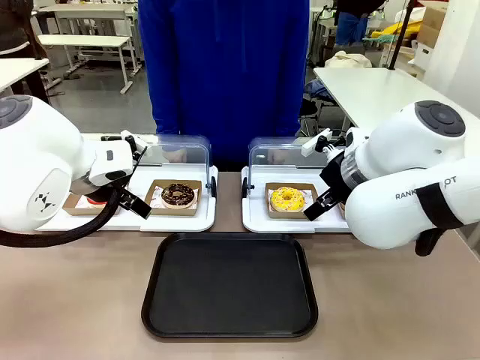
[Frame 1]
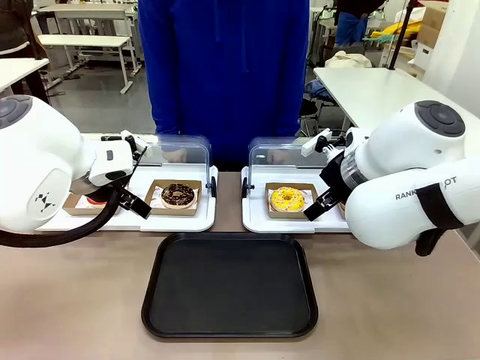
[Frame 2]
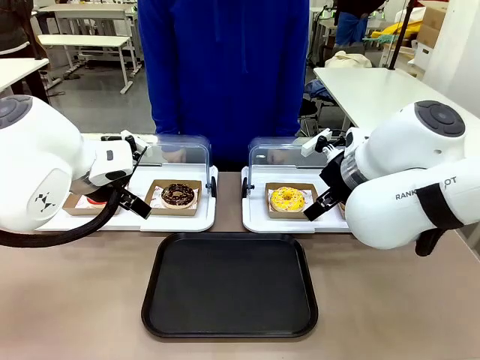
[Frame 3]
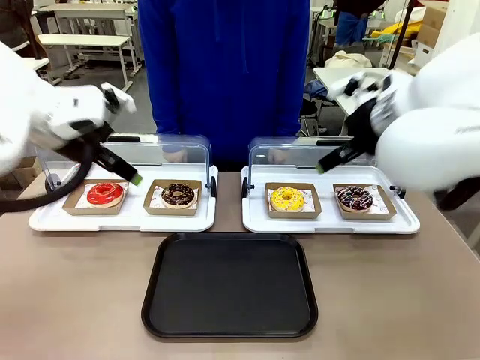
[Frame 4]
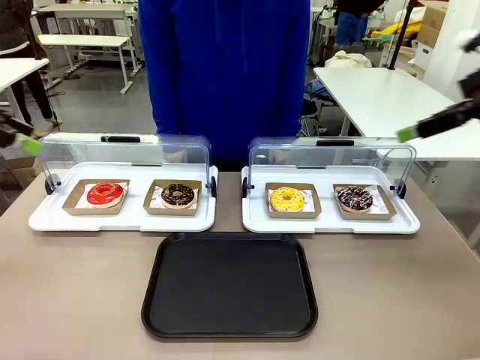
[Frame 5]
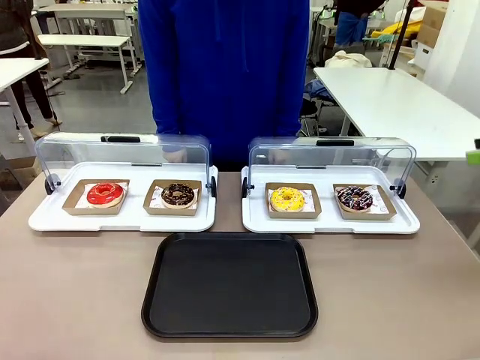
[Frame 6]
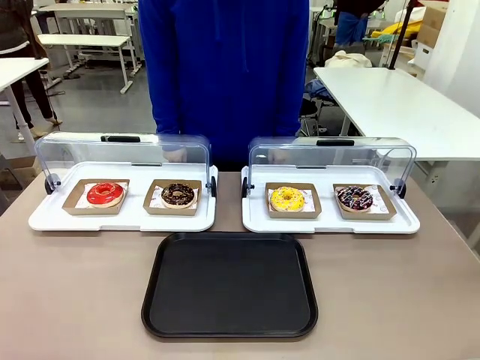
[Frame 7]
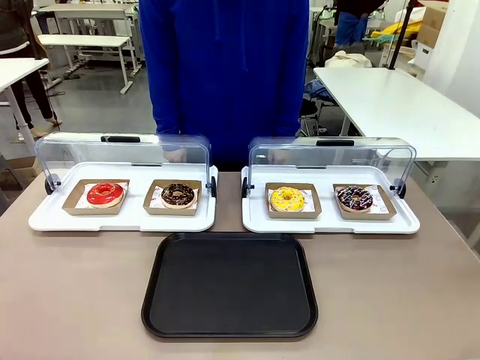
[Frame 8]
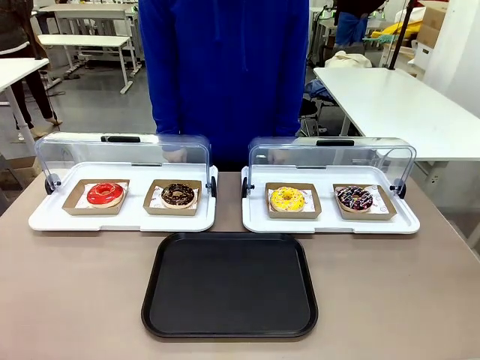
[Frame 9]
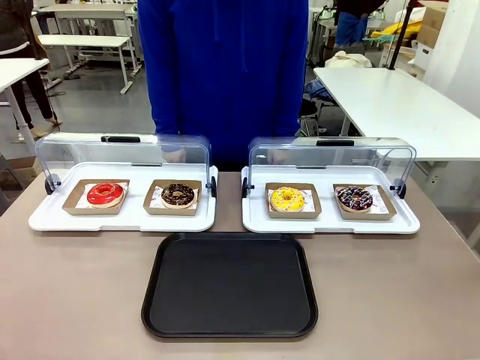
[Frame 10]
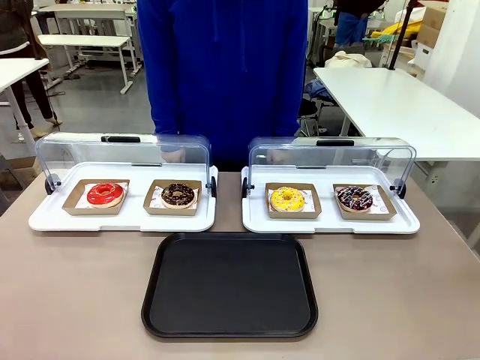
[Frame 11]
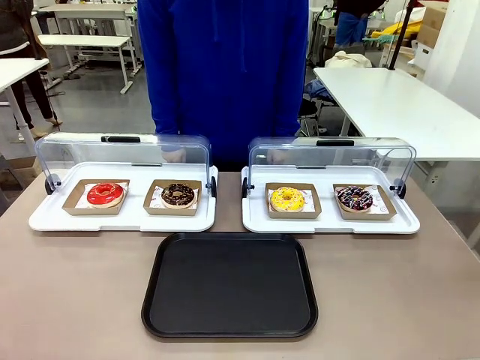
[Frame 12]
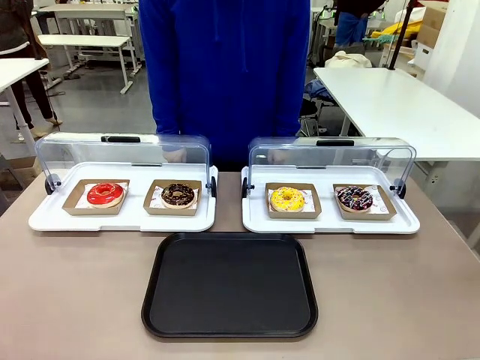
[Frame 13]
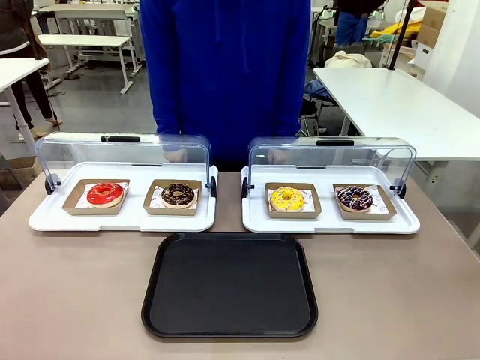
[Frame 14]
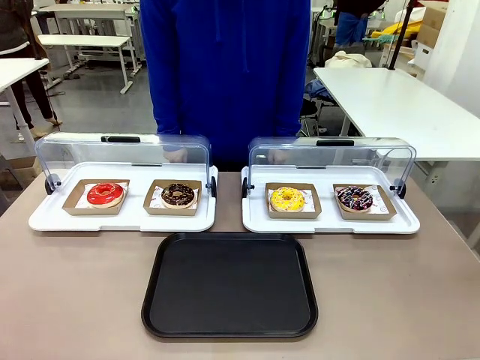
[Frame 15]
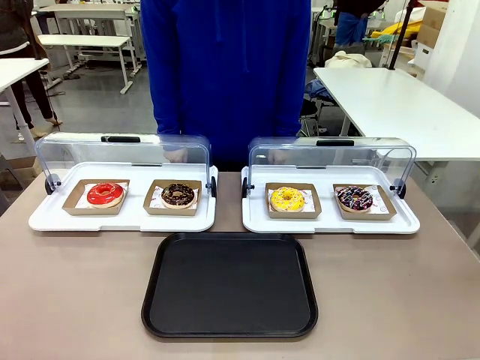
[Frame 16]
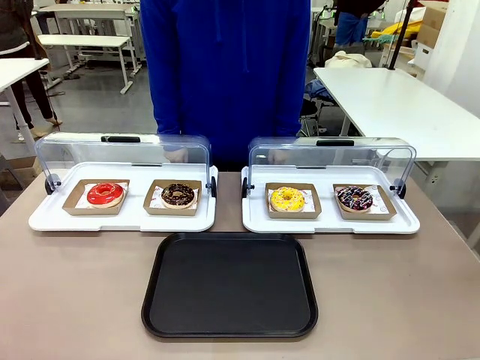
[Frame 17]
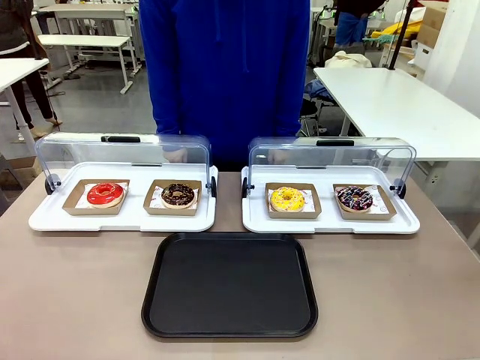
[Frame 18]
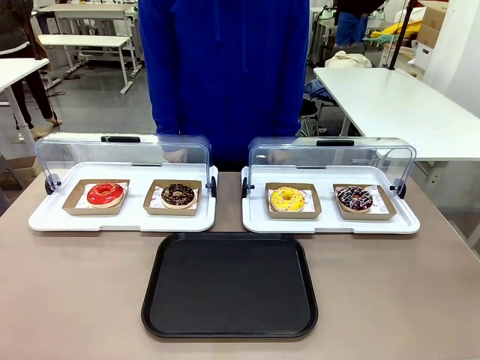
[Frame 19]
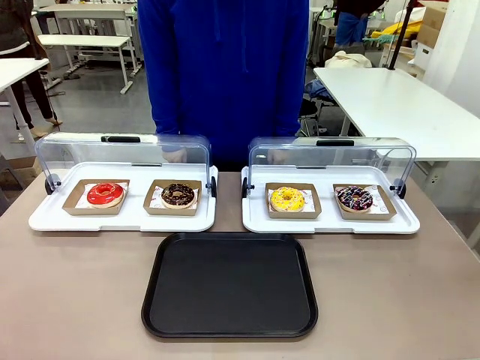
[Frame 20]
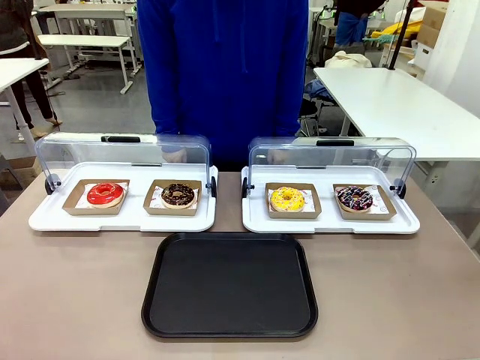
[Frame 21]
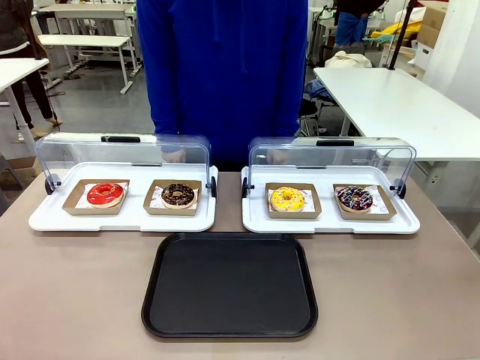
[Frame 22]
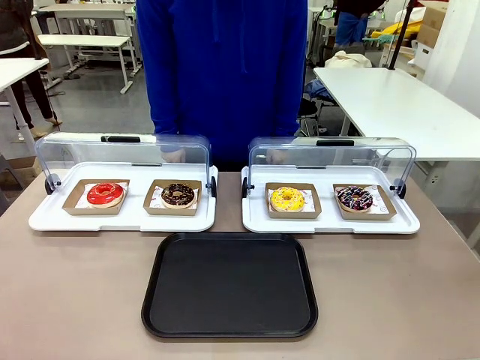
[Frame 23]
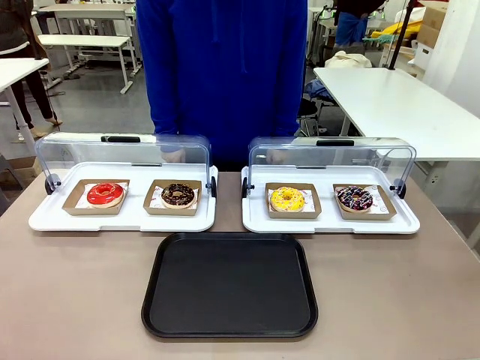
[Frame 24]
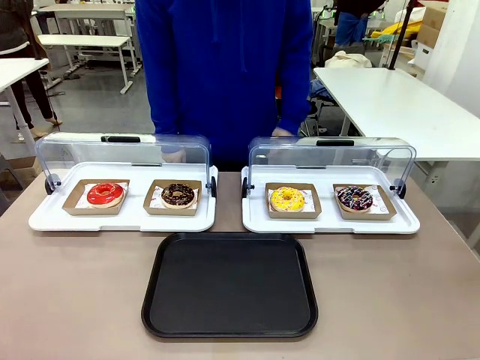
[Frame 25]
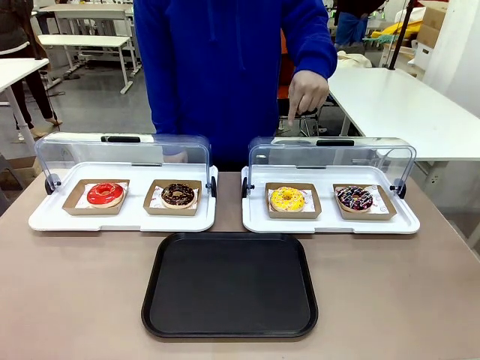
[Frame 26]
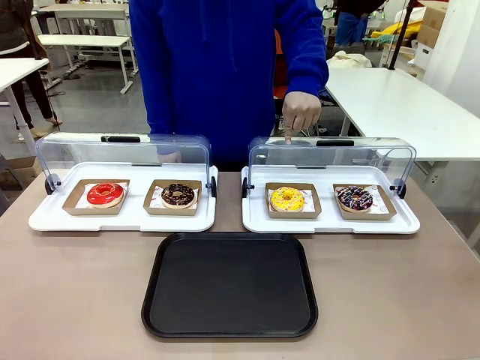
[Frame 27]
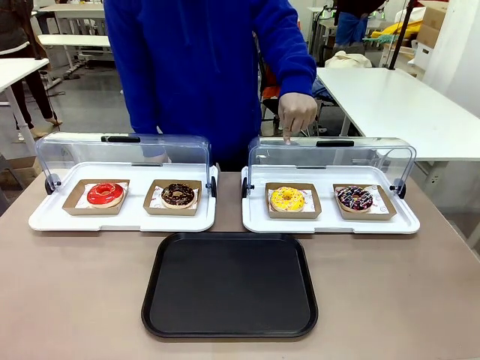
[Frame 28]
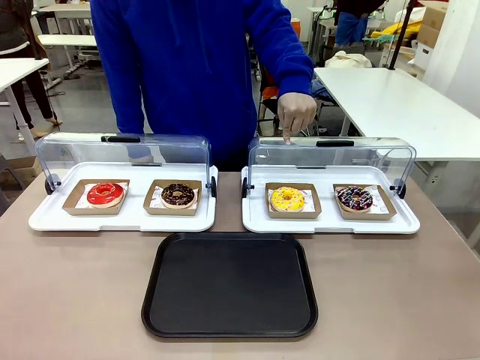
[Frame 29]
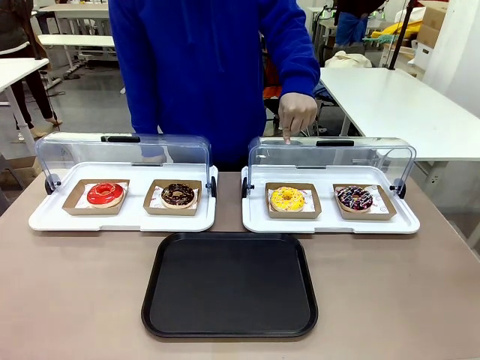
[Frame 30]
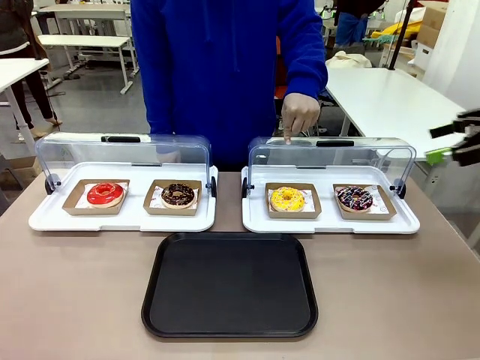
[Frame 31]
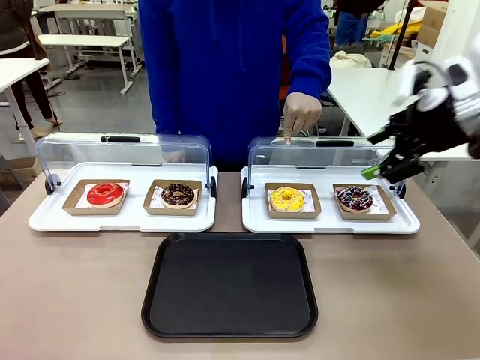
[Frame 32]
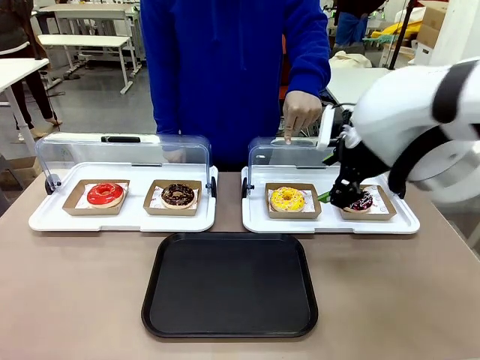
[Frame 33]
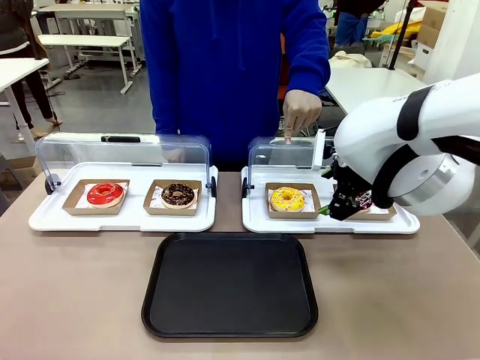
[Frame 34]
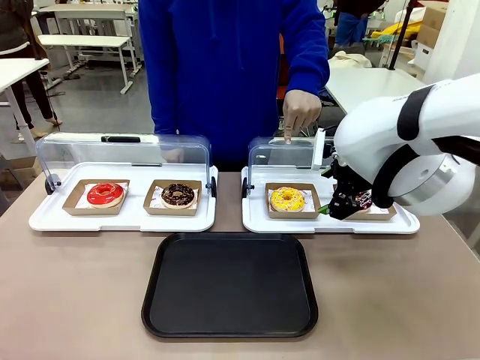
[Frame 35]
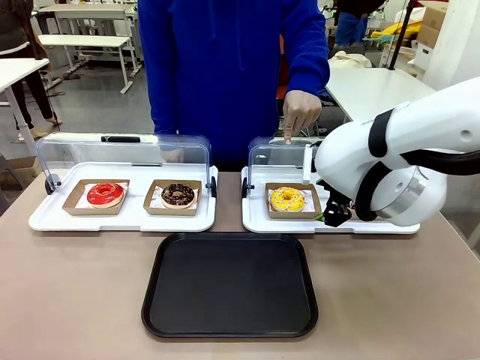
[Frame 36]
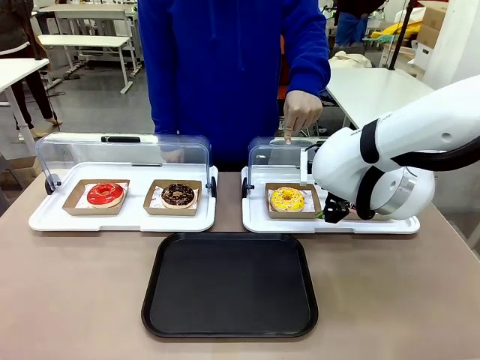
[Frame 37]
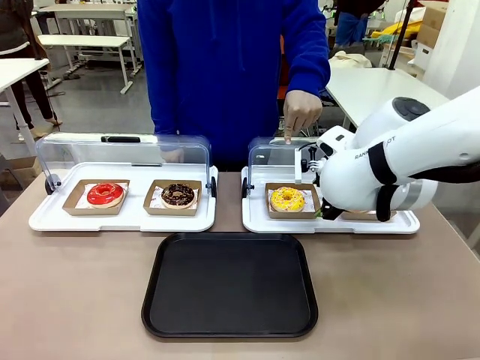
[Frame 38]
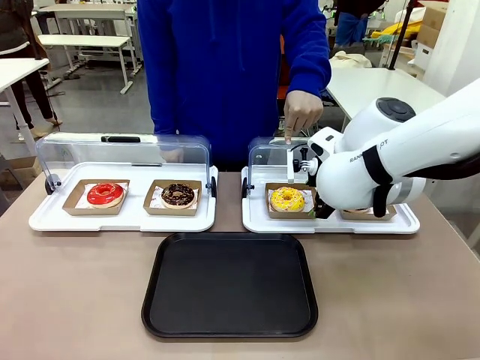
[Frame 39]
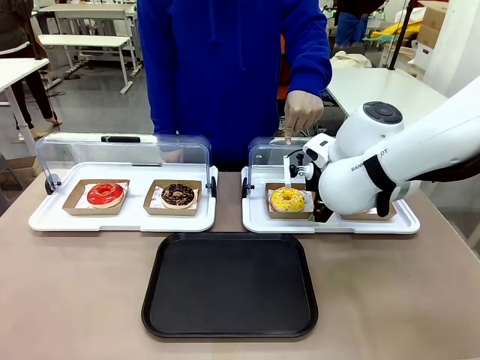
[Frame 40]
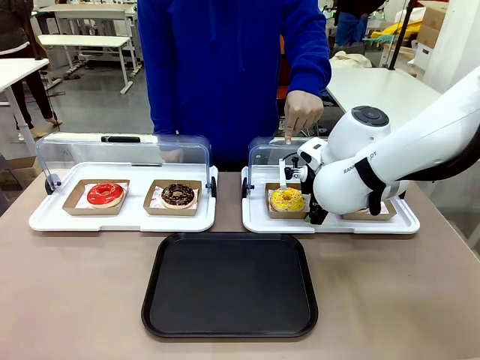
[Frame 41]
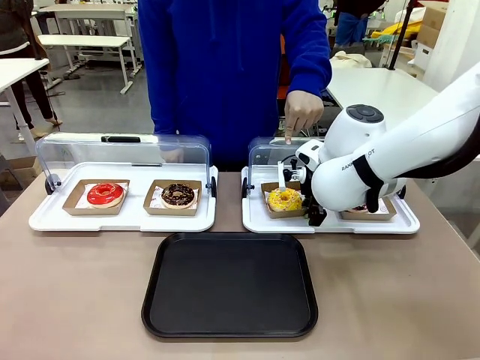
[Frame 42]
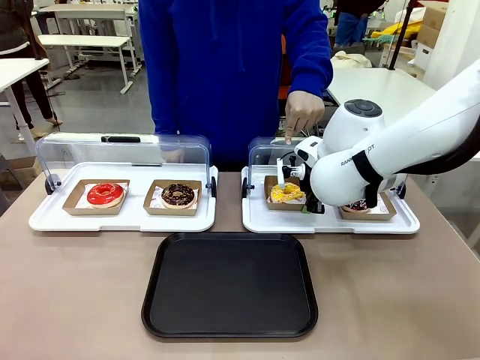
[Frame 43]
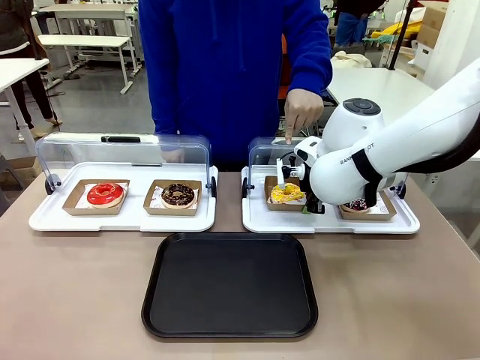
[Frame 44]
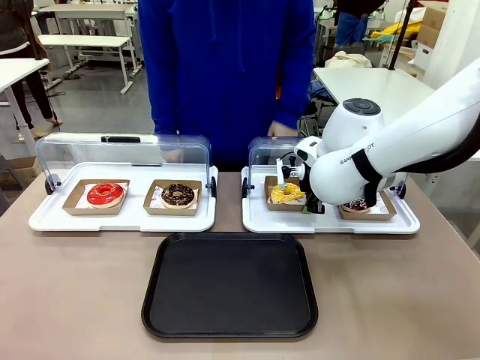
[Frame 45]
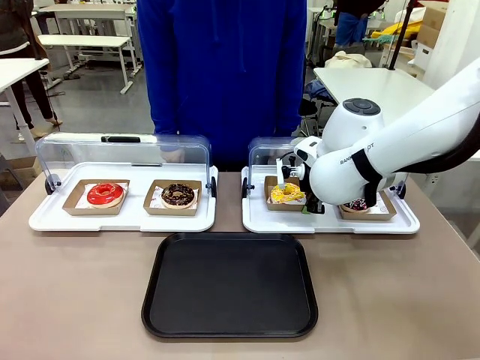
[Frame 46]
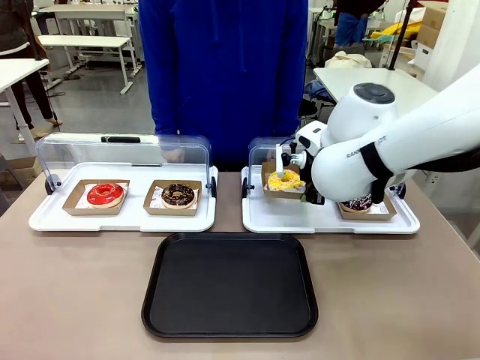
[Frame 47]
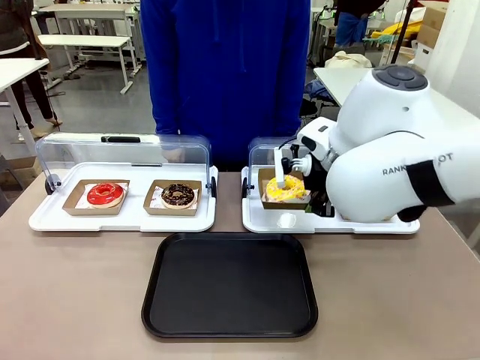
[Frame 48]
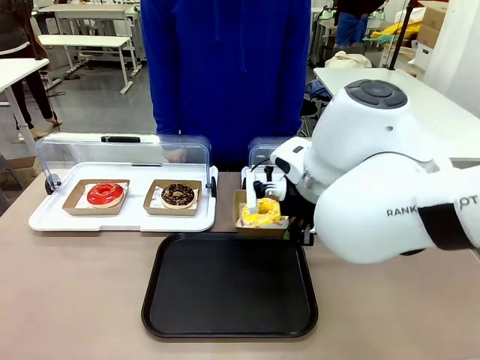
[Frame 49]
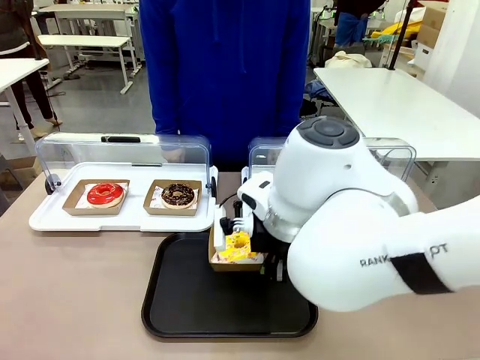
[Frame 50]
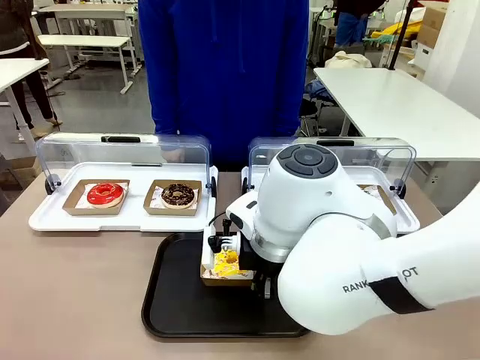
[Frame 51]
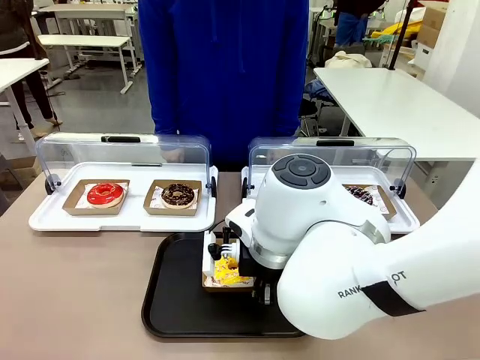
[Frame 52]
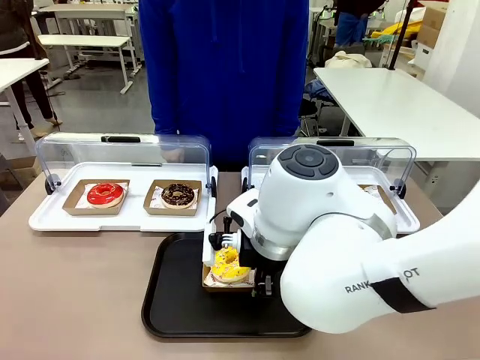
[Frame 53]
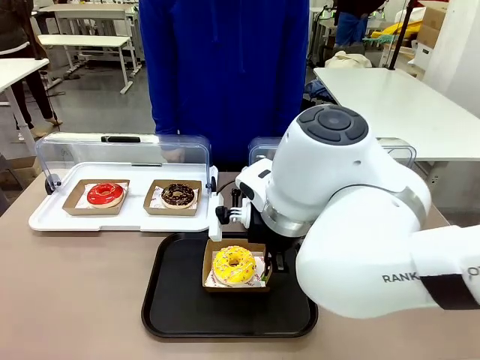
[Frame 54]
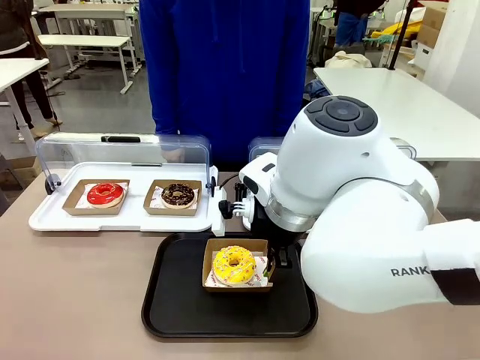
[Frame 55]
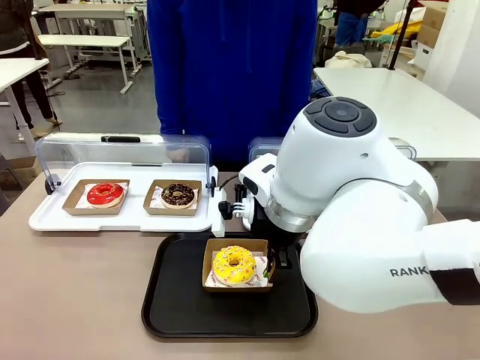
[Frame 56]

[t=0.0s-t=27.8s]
Task: Move the third donut from the left to the tray.
Robot: Pick up the Paper togo box containing the Donut indicated by the person and place it on the Handle tray.
Person: Points to the third donut from the left from the robot’s perspective.
